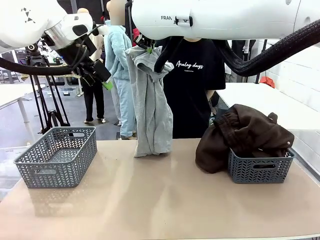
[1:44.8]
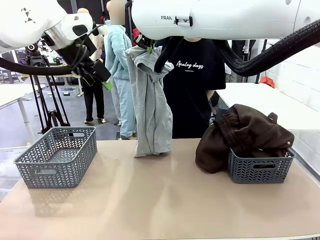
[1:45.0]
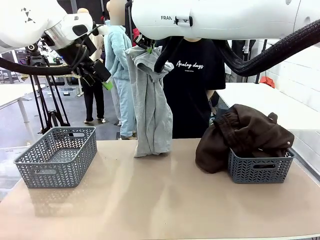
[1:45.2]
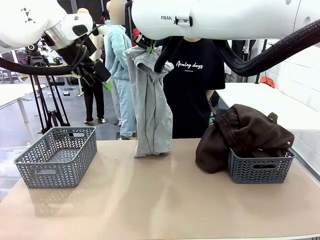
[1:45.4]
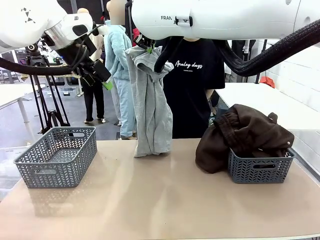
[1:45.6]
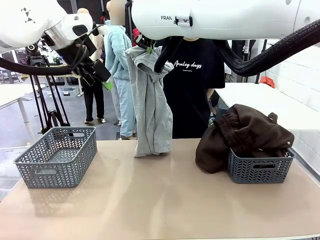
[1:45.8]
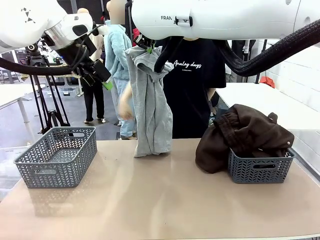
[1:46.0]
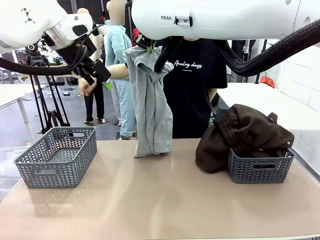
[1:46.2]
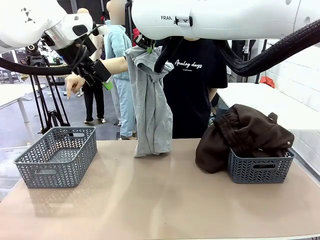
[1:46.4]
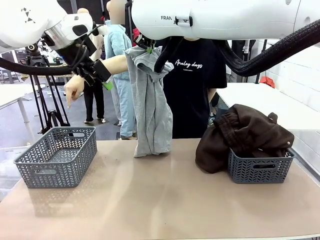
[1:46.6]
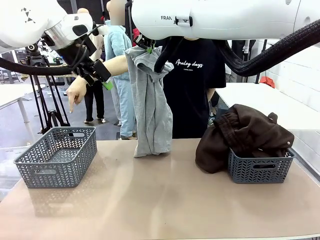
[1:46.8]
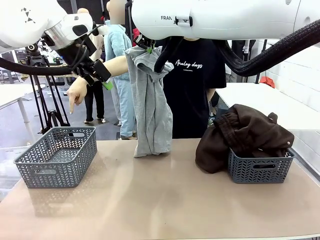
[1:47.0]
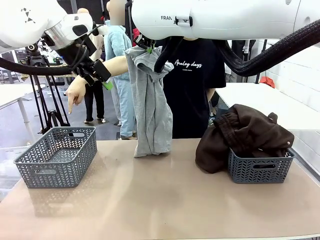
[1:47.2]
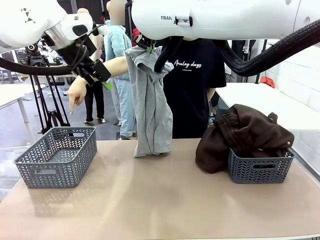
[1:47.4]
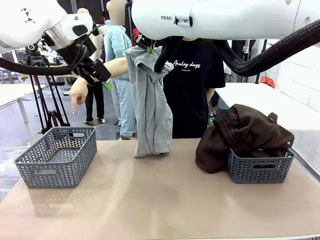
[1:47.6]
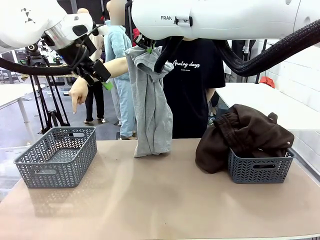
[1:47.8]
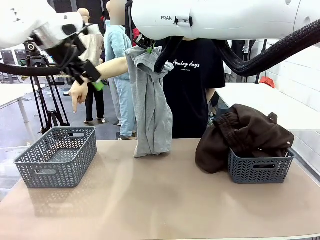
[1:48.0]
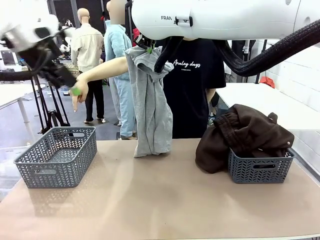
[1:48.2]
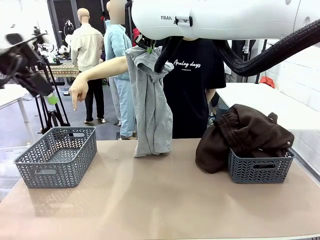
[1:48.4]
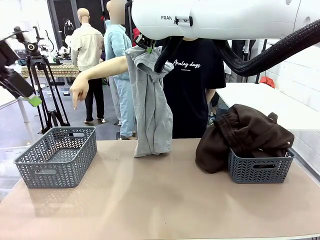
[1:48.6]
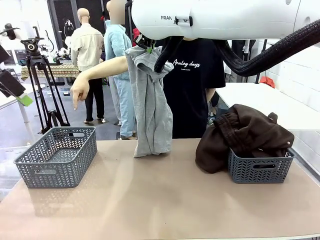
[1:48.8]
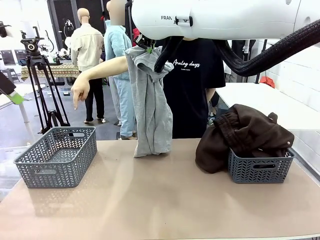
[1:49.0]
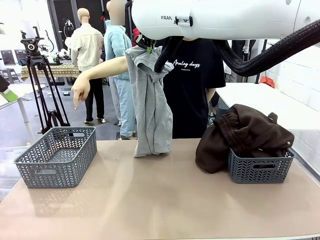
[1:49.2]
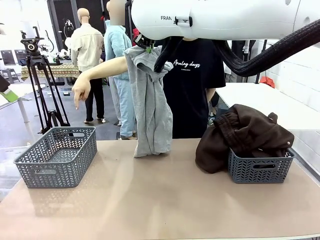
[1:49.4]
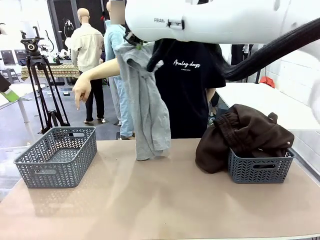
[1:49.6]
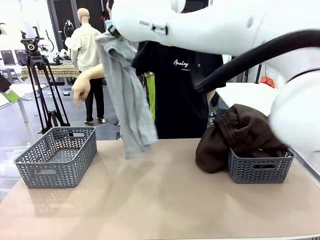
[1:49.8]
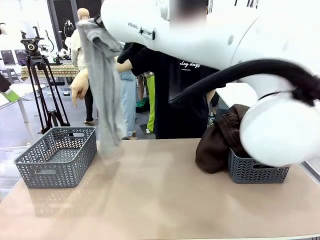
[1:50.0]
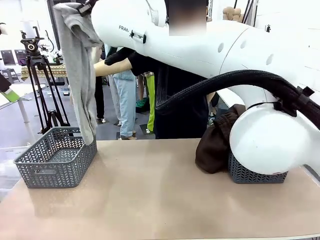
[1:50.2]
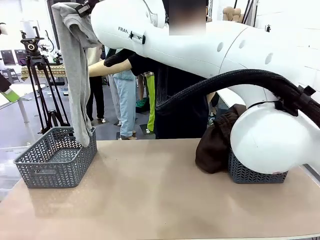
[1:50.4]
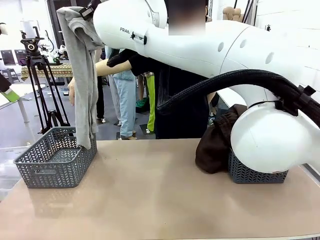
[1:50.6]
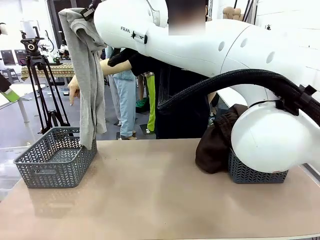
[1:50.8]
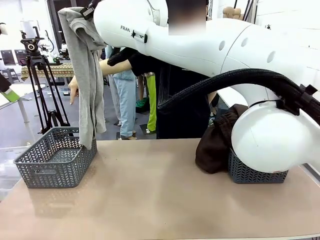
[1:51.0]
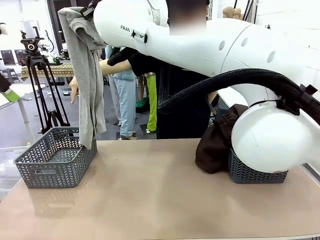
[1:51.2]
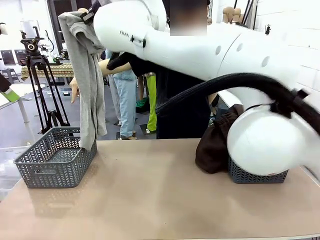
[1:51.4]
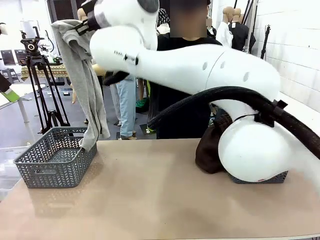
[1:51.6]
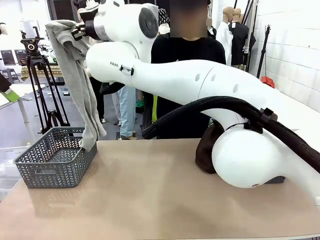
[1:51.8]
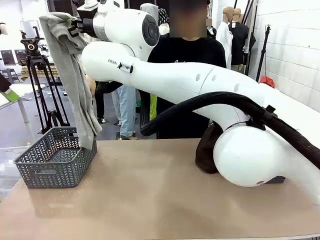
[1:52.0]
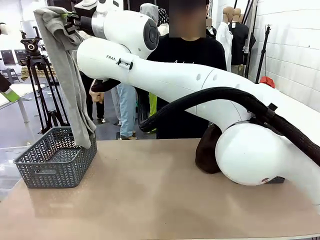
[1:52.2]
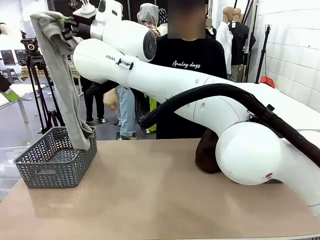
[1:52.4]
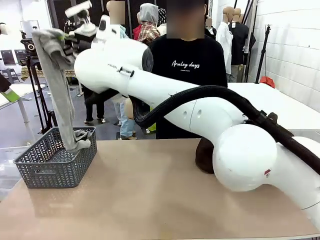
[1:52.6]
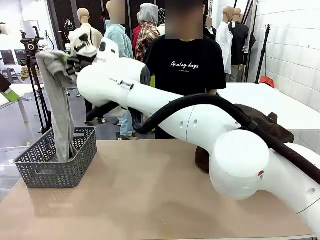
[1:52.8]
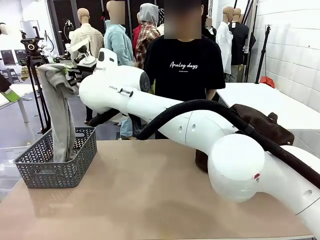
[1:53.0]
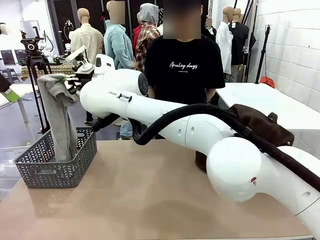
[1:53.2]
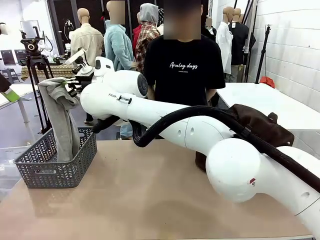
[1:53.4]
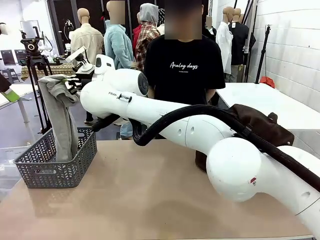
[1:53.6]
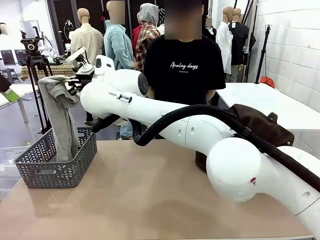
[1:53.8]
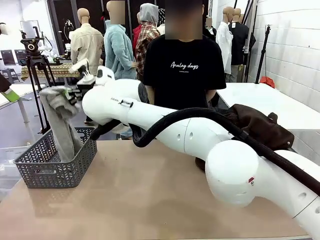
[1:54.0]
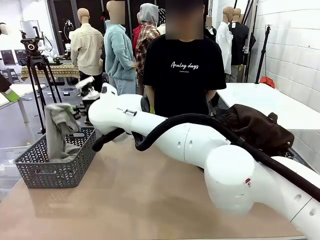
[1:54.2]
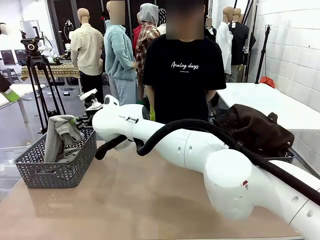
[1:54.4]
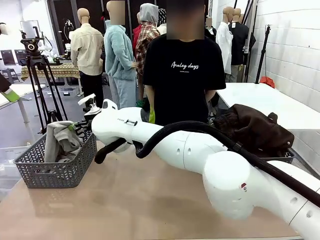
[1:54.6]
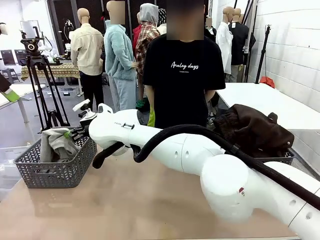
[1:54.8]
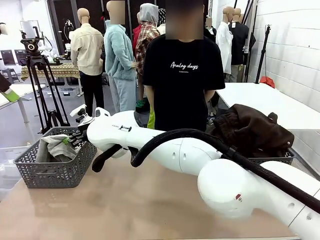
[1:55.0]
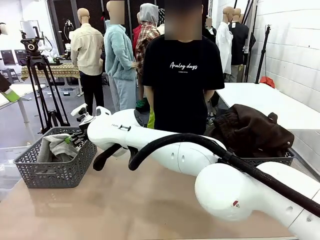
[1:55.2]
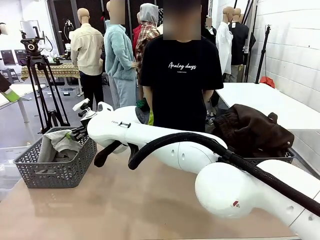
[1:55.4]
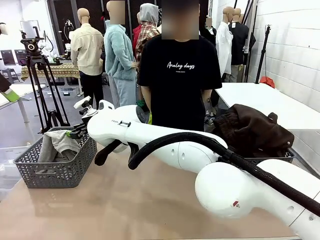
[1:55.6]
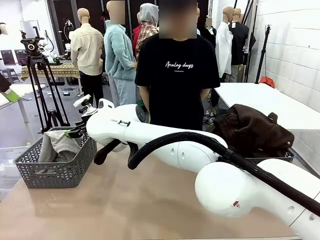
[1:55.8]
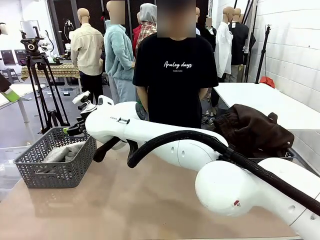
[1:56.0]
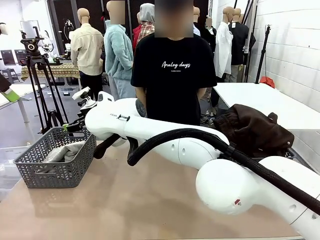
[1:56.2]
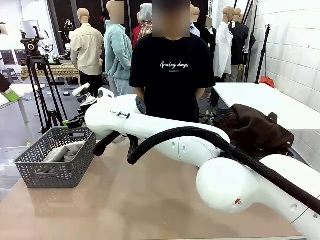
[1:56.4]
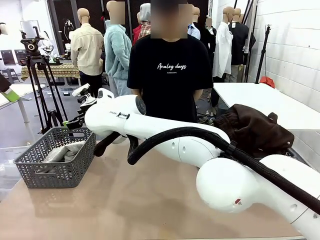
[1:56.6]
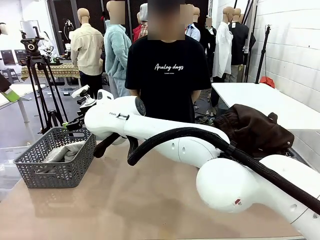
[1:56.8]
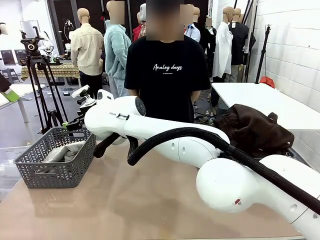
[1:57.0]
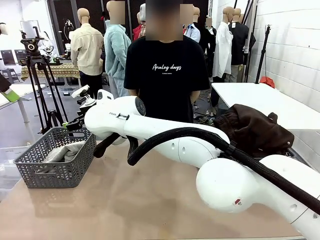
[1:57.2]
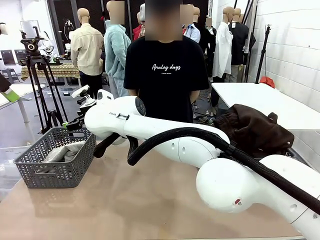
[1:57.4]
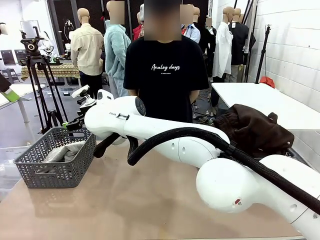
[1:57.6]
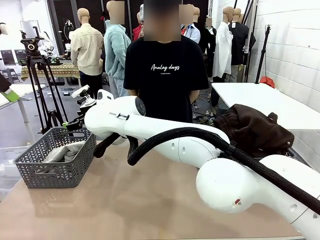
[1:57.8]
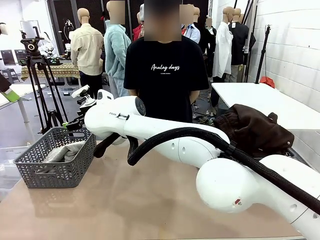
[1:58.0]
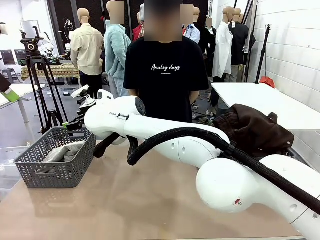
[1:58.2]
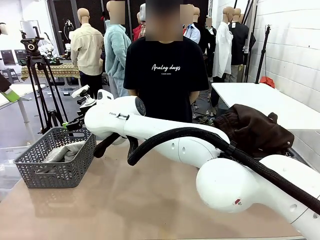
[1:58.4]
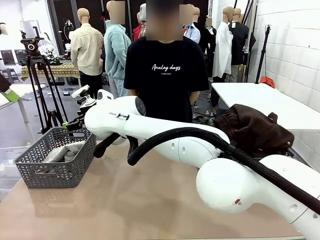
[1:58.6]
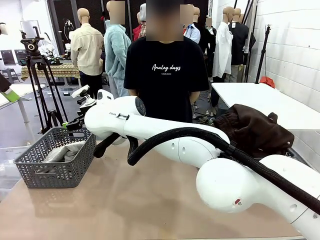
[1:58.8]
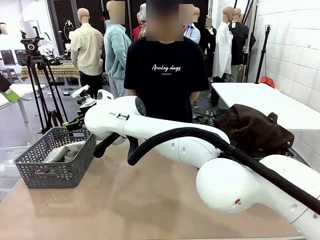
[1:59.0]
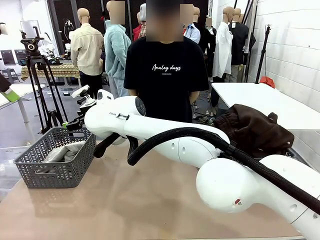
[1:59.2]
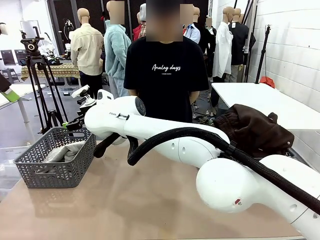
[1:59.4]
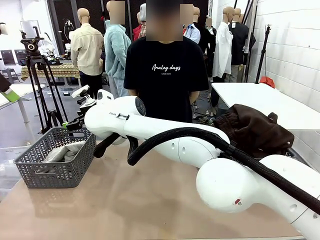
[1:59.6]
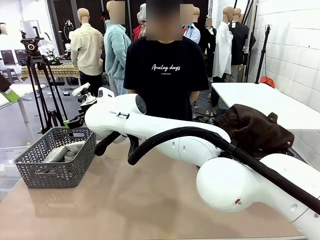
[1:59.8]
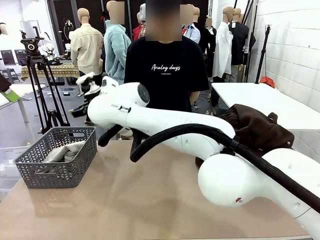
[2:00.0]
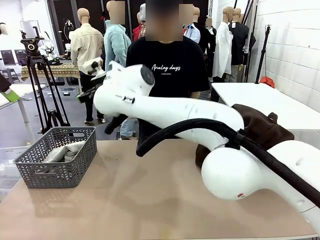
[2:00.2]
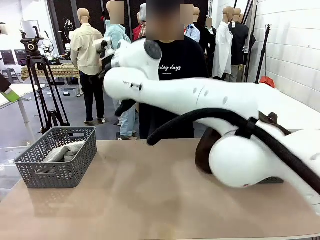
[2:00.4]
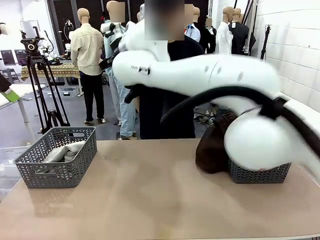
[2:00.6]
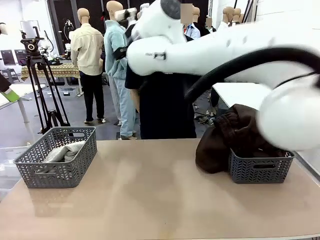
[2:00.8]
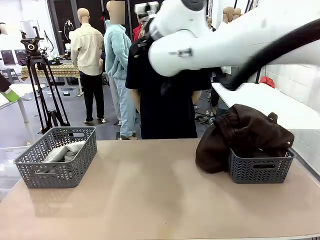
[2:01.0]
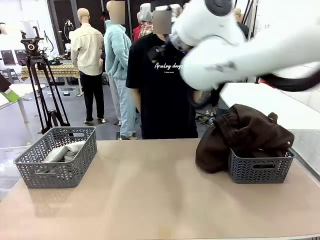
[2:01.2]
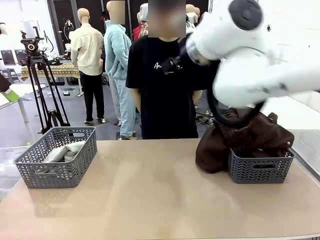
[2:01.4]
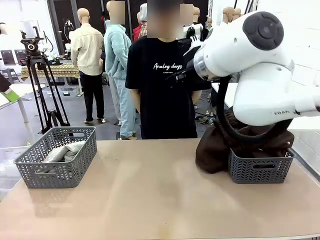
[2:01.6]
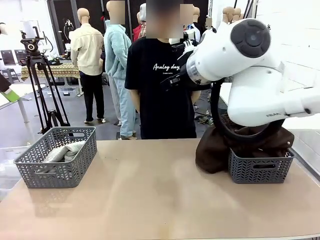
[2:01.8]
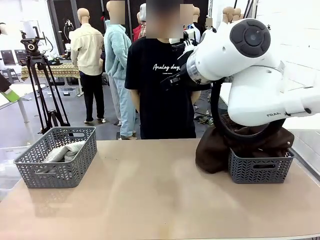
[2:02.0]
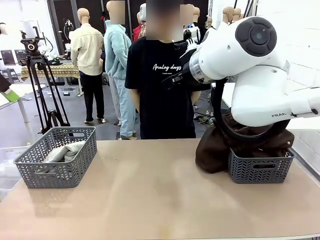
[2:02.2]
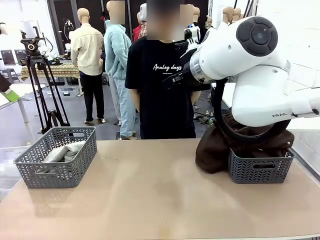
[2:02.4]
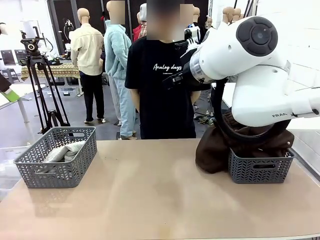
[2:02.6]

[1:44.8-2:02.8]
Task: Sort the tops and bottoms.
Robot: Sort the clothes according to human instructions.
